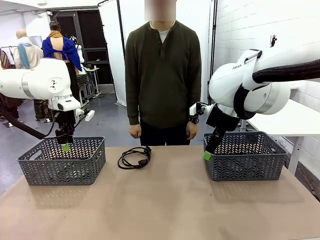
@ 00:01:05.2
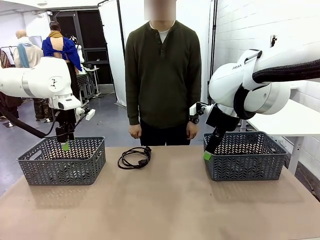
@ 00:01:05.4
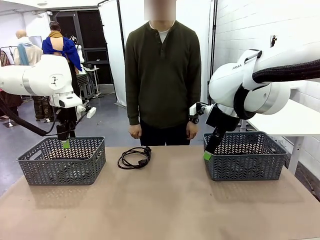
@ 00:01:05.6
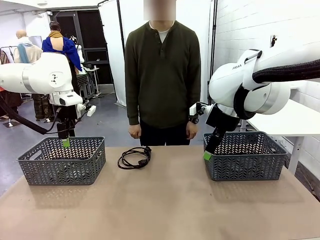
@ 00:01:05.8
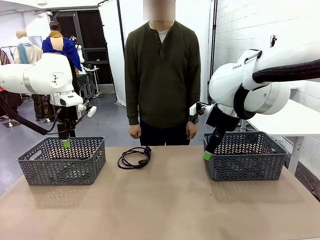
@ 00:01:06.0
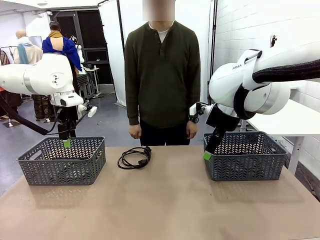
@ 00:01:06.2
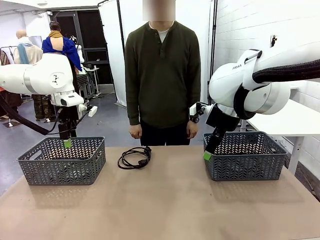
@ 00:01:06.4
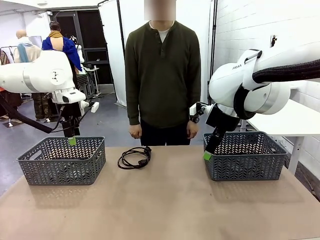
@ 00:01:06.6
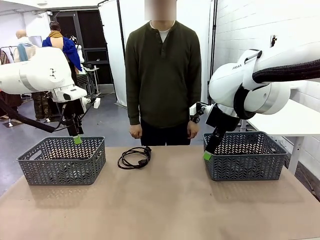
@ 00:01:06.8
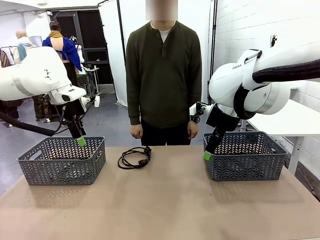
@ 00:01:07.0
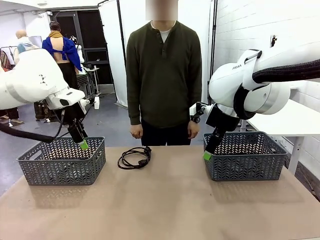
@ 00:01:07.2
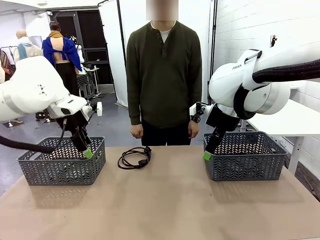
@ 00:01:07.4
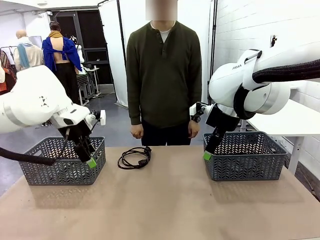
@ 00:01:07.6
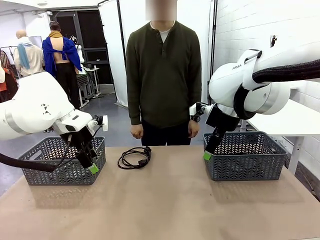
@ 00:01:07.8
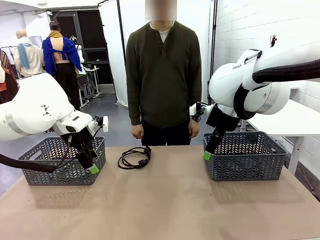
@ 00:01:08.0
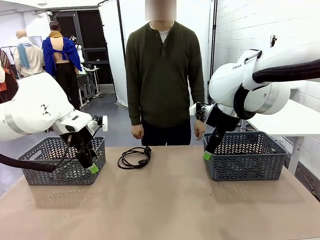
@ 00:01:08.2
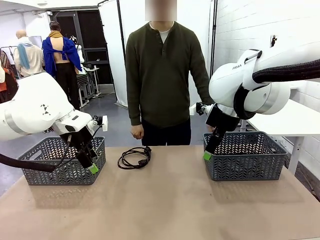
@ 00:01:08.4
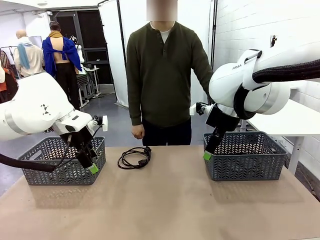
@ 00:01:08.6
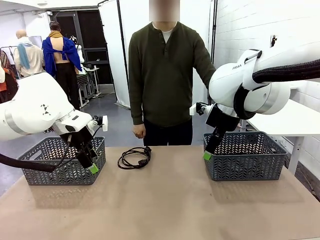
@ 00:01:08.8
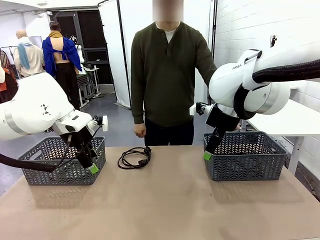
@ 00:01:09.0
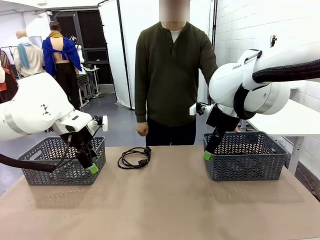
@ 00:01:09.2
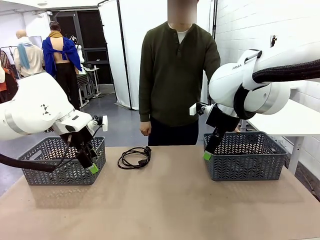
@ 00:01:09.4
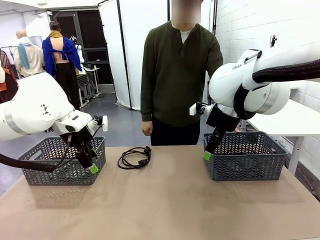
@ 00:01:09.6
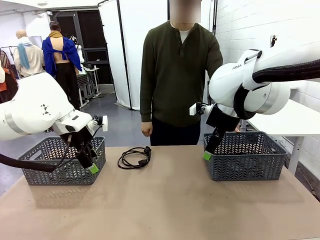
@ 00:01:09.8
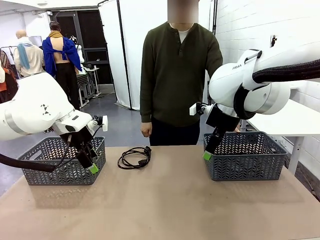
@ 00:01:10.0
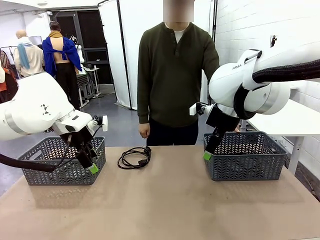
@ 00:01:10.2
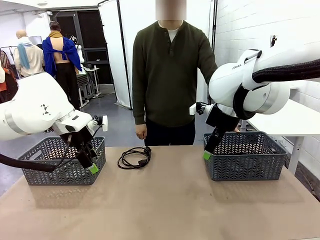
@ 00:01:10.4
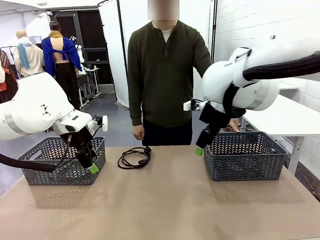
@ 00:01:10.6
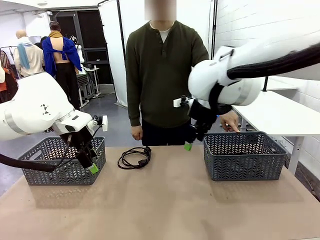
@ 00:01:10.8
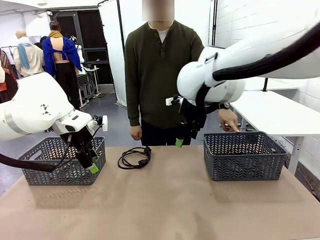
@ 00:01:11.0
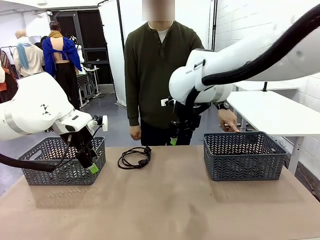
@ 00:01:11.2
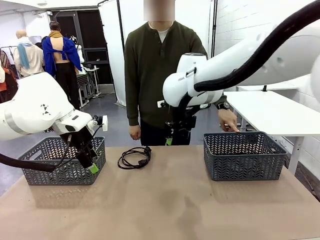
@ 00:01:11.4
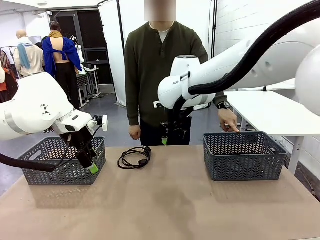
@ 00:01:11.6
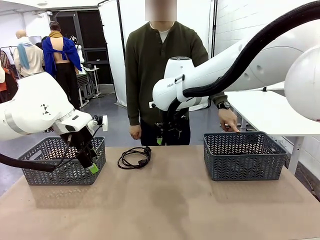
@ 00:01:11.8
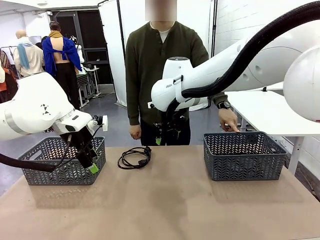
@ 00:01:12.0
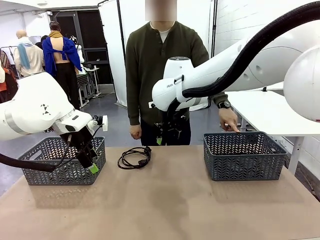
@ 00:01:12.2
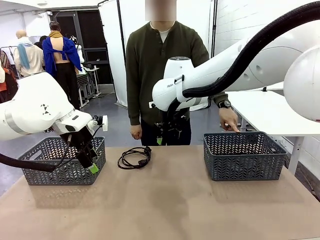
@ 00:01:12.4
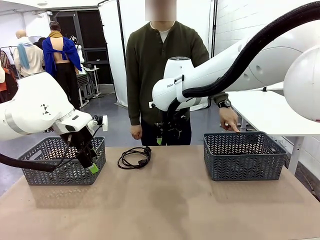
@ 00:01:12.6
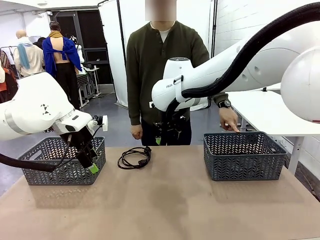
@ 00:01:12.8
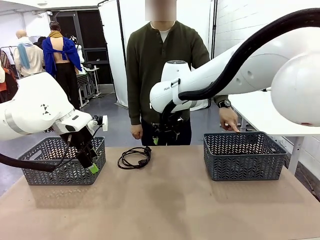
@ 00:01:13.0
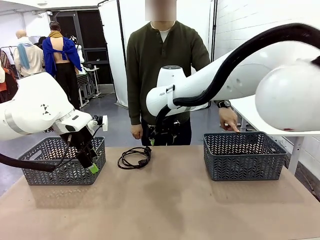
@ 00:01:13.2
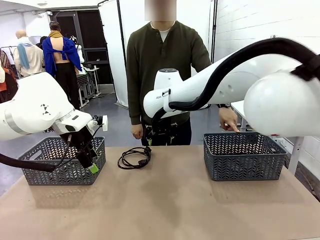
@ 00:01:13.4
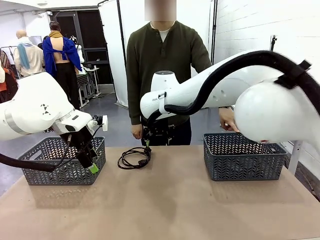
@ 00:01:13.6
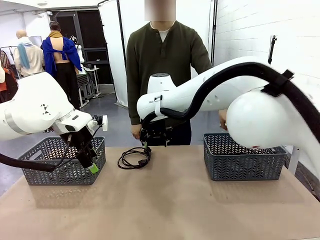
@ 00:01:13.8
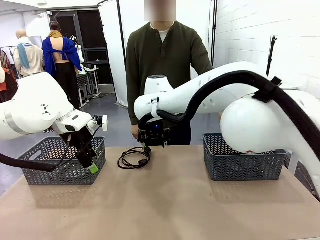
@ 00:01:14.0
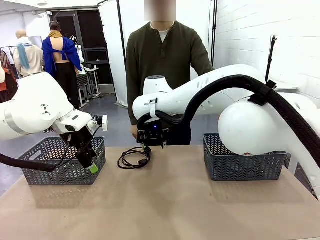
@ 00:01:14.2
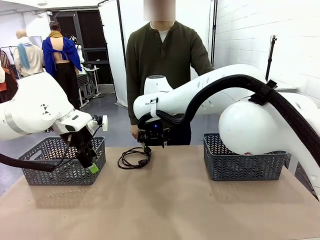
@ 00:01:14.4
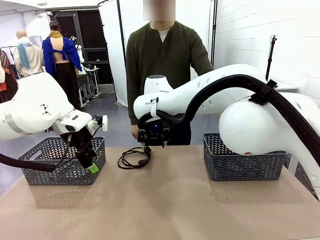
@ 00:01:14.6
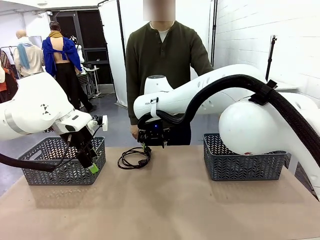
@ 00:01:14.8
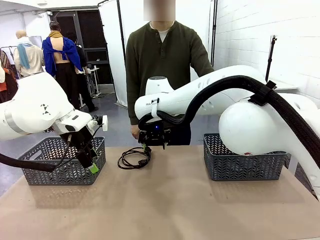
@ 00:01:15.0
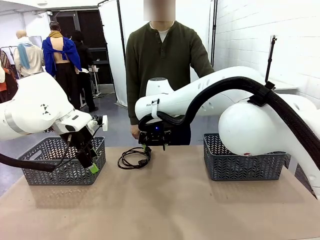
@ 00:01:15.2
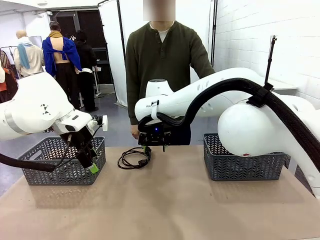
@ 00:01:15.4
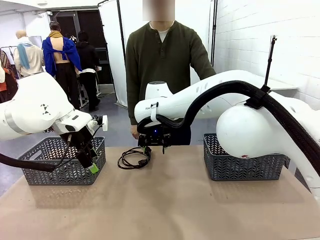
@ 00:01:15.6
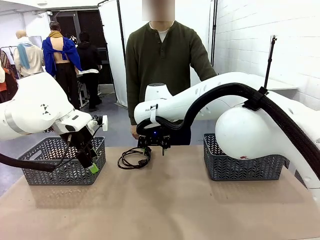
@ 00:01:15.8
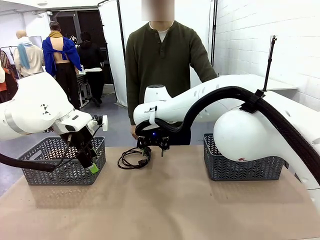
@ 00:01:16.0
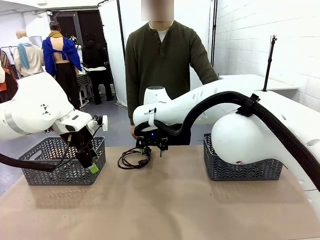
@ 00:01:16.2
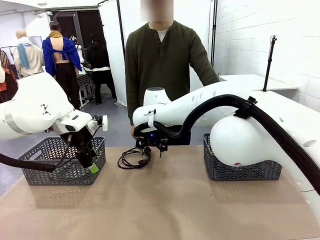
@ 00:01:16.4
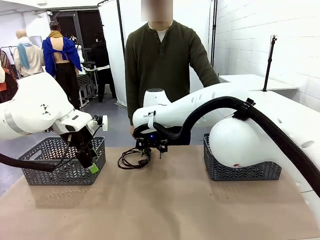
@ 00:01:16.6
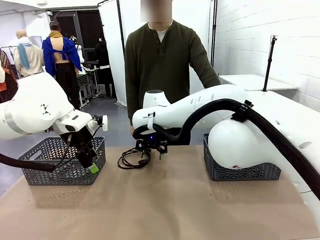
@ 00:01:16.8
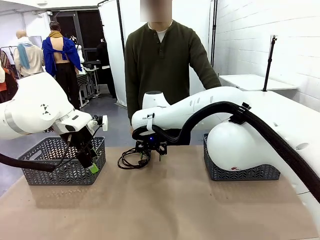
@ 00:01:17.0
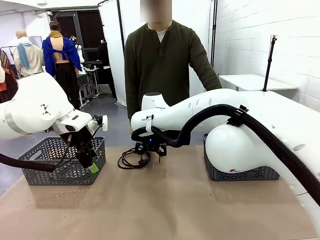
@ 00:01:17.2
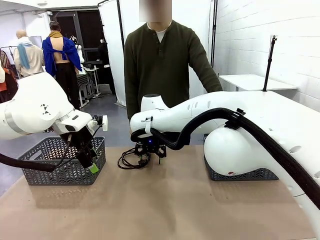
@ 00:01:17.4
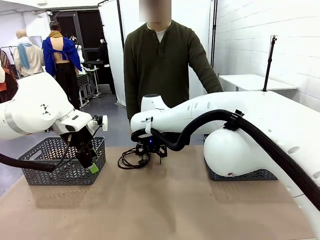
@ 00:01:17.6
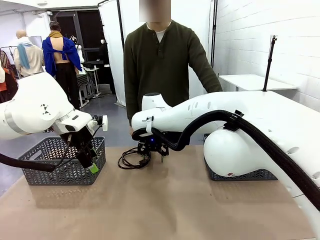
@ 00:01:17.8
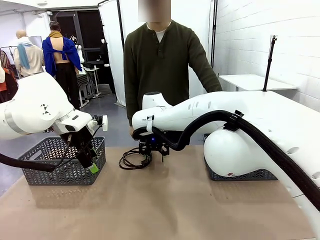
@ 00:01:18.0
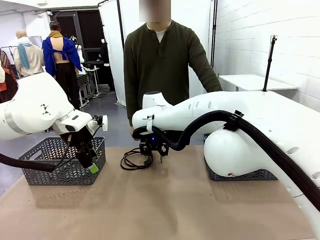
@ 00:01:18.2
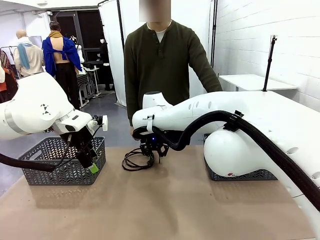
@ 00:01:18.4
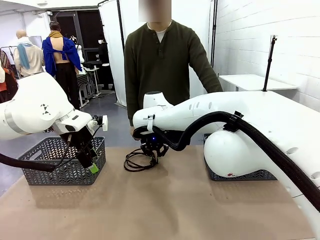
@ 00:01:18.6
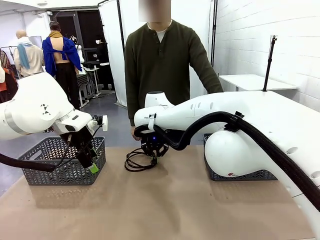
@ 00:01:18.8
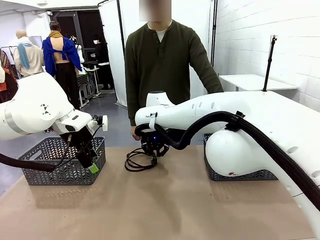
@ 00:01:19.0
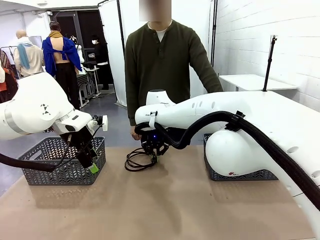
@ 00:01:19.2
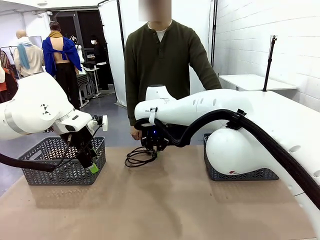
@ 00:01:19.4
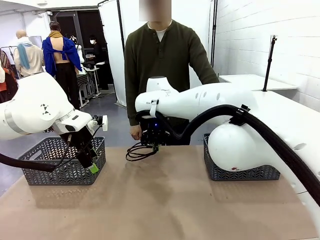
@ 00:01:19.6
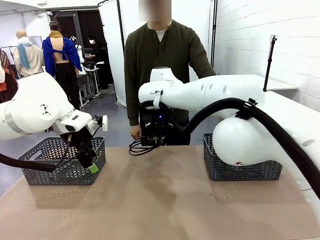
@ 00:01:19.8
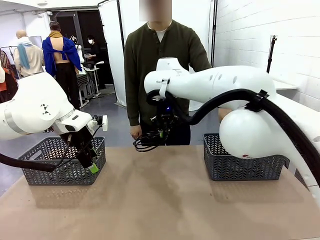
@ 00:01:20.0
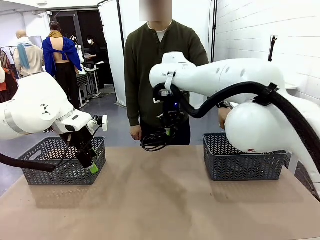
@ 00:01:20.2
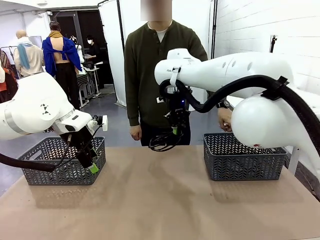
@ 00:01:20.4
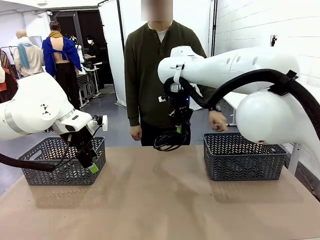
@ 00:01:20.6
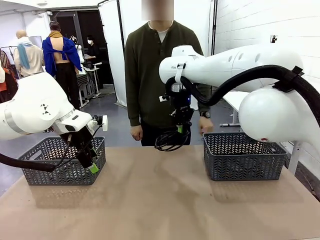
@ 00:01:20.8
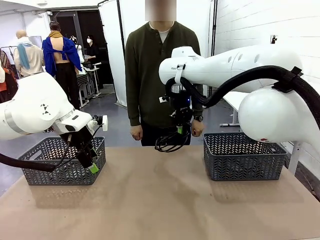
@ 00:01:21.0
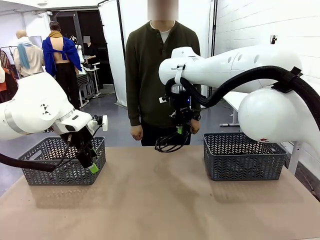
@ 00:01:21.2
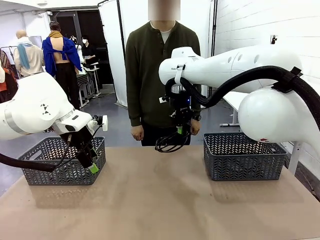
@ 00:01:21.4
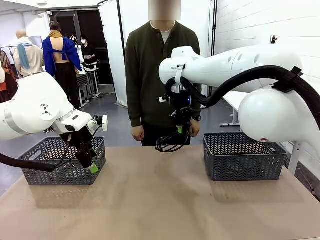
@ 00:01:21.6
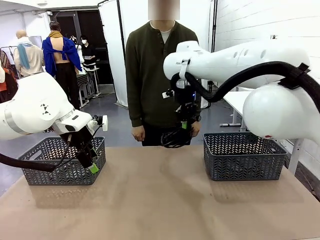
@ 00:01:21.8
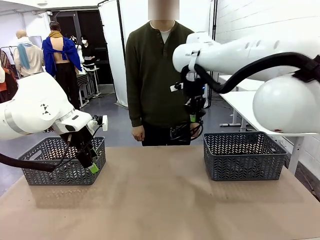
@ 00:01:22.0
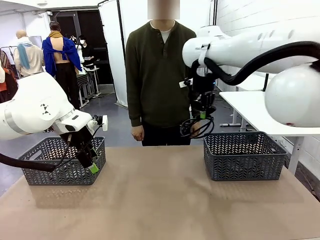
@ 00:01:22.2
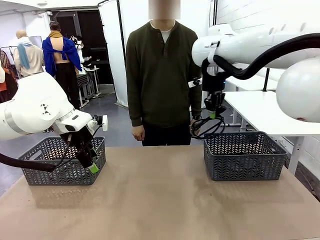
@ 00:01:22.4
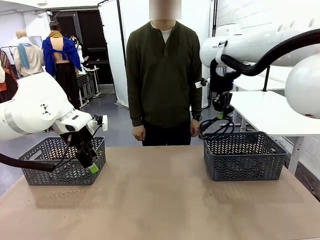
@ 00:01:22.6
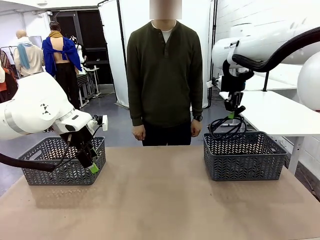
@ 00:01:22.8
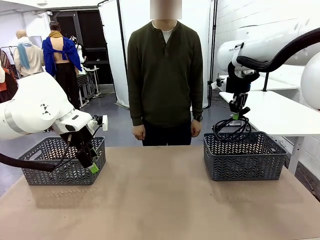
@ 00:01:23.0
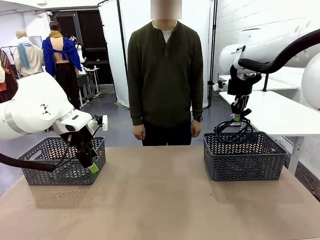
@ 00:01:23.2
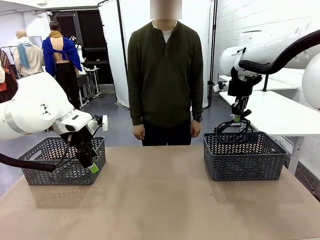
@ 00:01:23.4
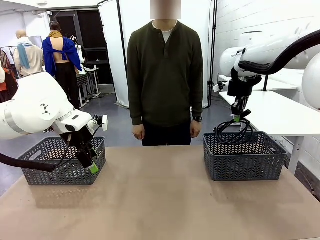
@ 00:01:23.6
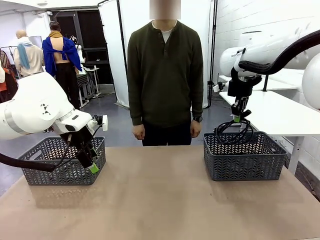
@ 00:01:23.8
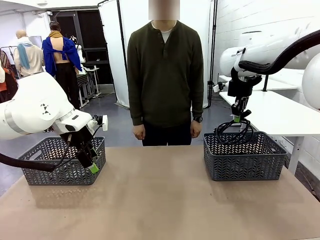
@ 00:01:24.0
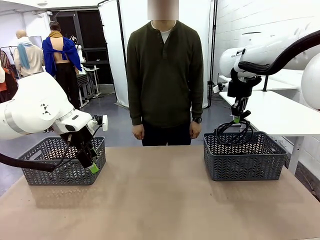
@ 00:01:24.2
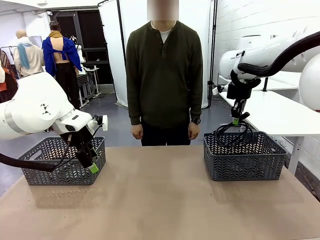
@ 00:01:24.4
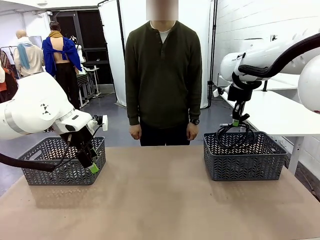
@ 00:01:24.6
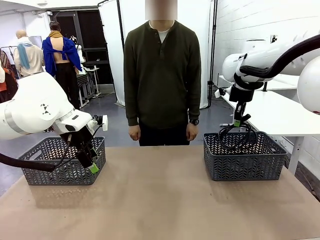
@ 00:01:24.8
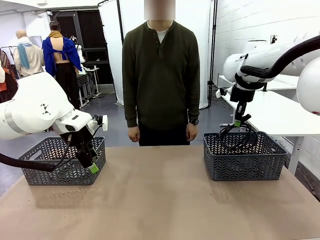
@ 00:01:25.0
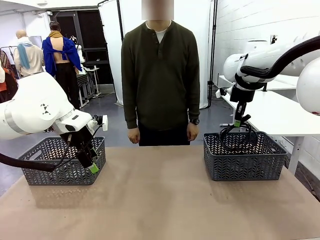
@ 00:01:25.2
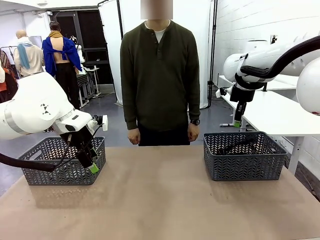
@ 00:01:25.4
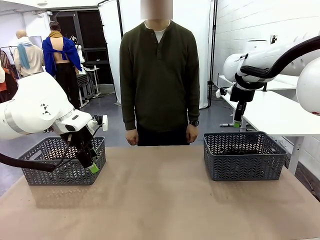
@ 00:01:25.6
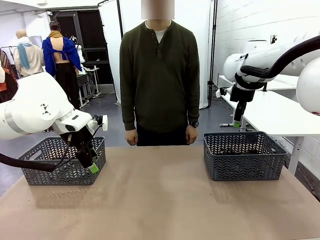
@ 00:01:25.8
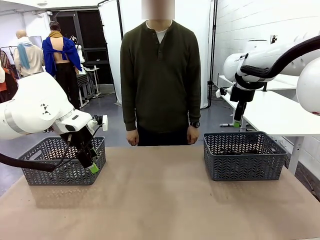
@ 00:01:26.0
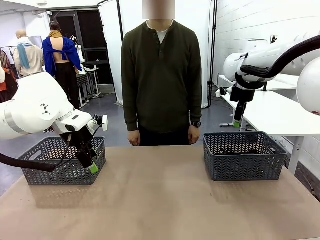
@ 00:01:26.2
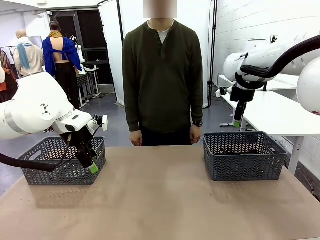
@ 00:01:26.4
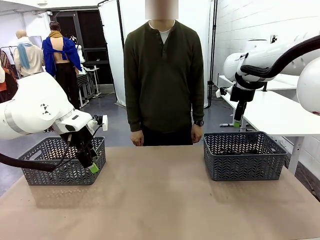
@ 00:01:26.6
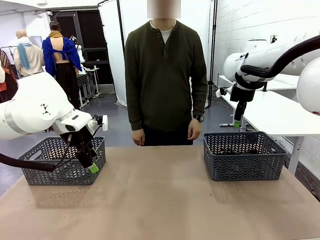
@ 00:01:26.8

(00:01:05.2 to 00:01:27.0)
Task: Organize the cables according to human instructions.
Robot: Pick up a bundle of cables and place it in the basket indicated by the human.
